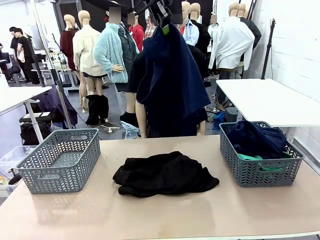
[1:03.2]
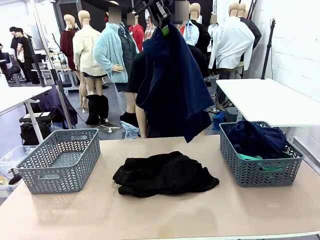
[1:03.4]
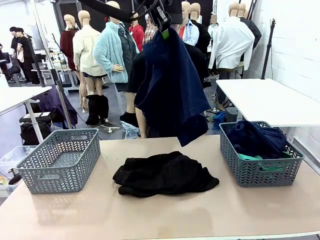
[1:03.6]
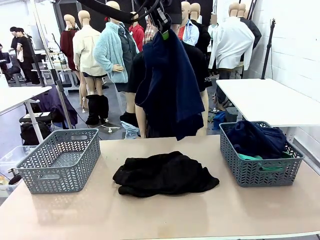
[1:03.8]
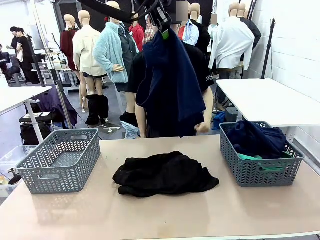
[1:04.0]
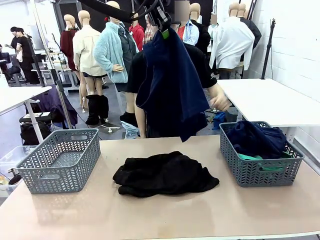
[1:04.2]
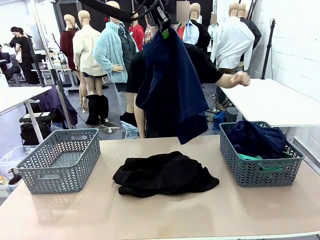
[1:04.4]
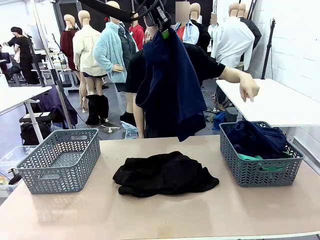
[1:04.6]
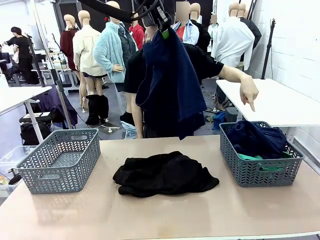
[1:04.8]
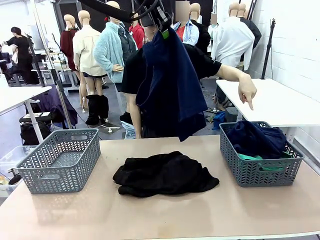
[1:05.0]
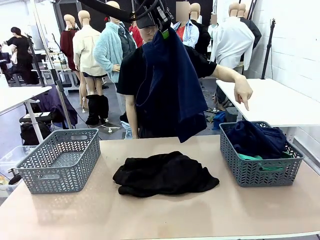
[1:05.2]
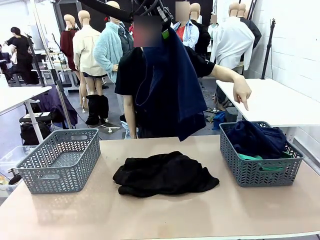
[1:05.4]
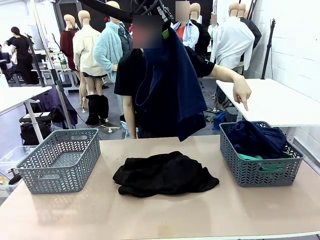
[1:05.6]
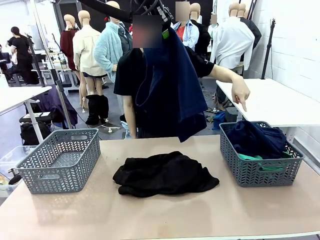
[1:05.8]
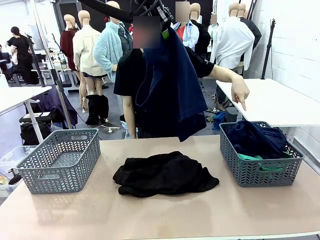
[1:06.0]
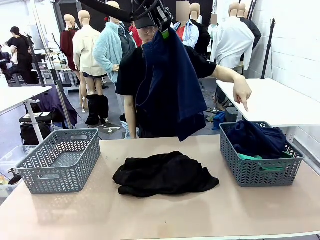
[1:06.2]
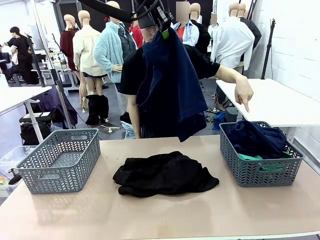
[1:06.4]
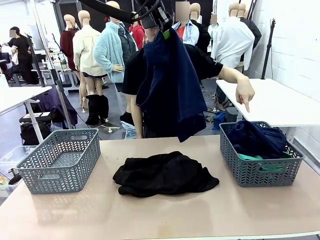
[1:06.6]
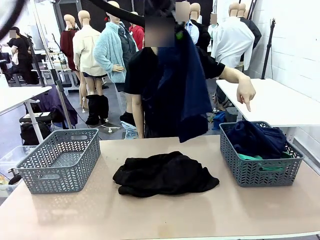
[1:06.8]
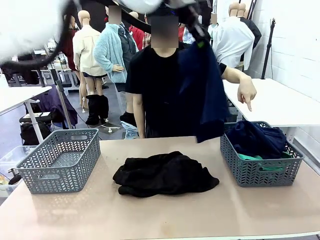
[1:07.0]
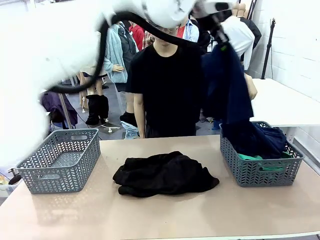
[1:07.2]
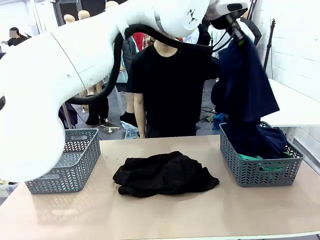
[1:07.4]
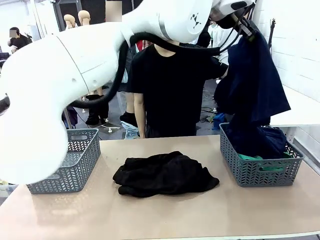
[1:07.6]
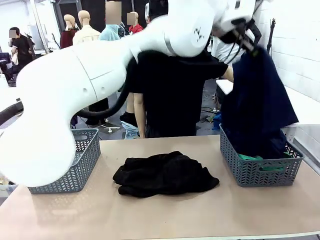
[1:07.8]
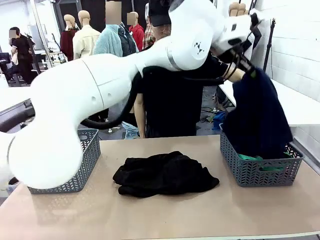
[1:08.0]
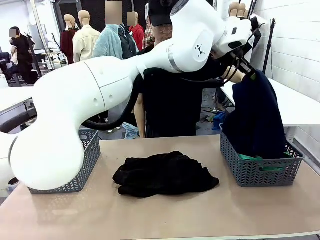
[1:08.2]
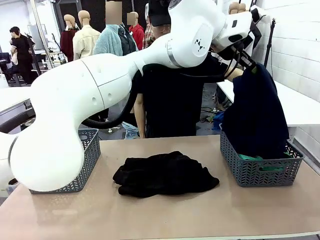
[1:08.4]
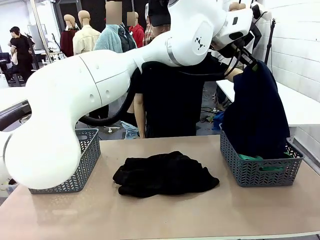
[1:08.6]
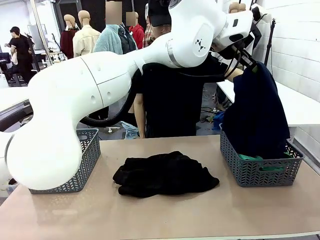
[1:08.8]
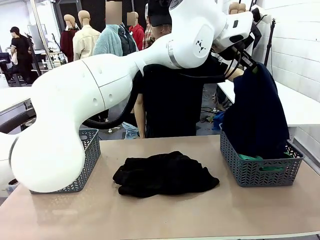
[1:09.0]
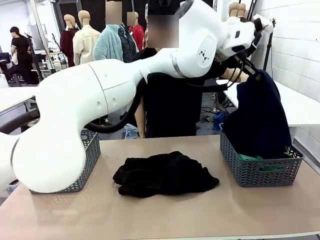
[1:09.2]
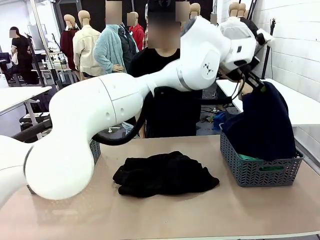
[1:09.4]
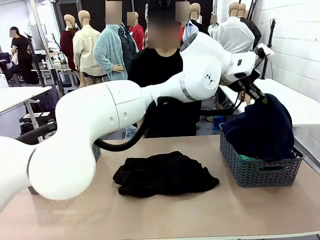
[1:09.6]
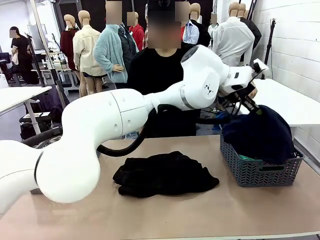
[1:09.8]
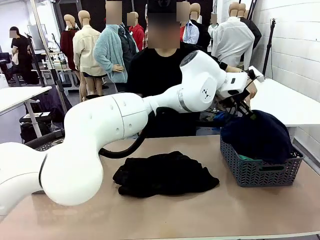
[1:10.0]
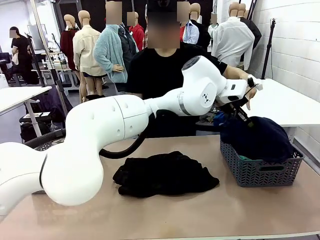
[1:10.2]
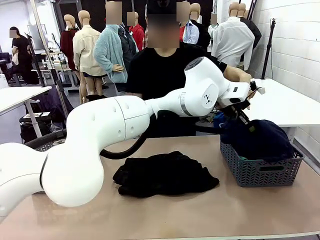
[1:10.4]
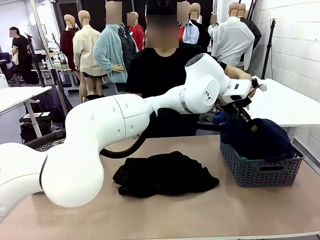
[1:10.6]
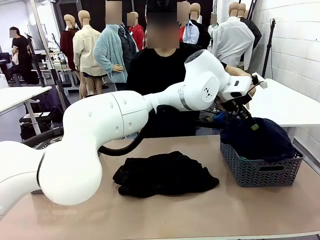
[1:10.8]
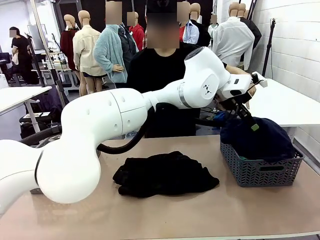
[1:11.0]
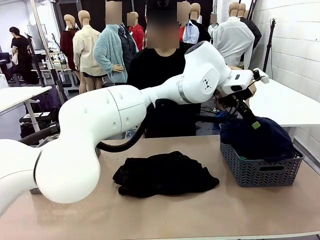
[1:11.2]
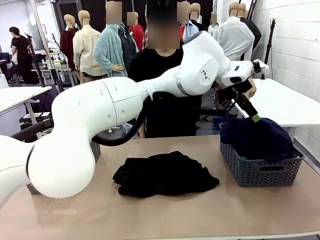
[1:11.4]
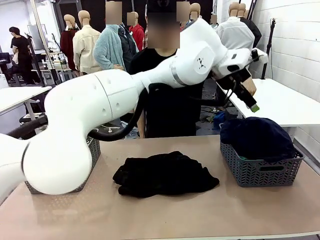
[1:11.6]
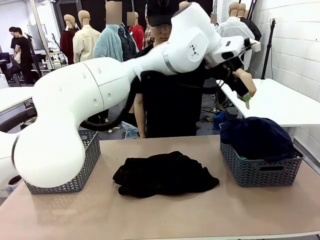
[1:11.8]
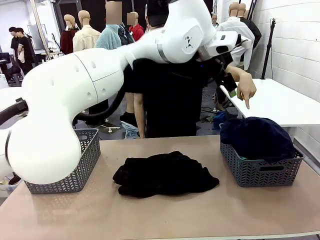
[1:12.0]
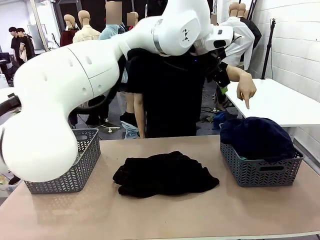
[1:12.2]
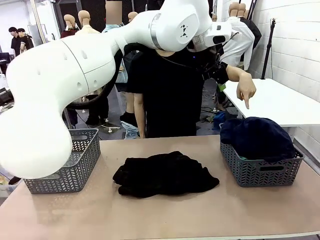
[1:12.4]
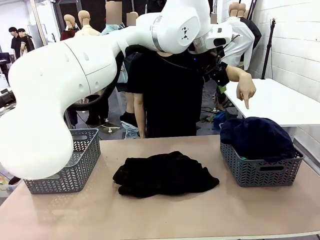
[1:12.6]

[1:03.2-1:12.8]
Task: Sort the tops and bottoms.
Robot: Sort the clothes according to human instructions.

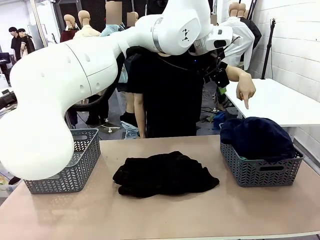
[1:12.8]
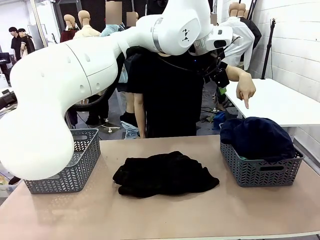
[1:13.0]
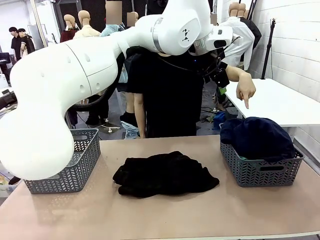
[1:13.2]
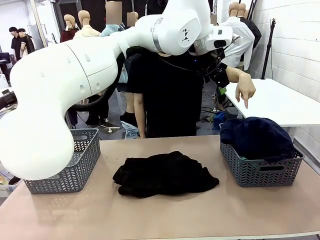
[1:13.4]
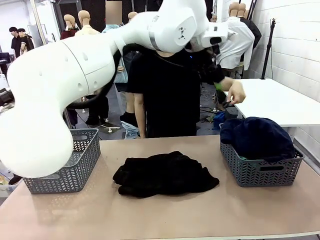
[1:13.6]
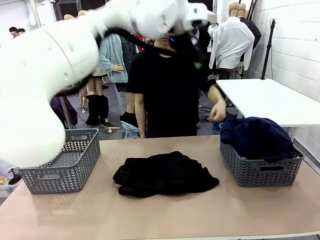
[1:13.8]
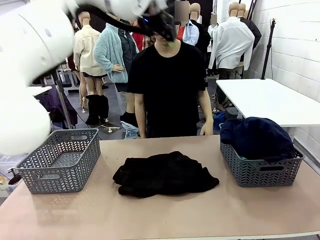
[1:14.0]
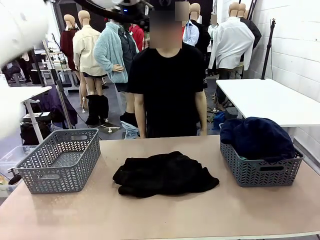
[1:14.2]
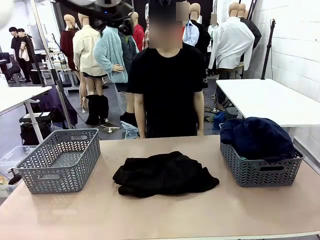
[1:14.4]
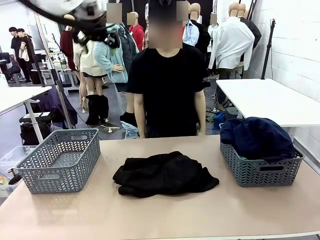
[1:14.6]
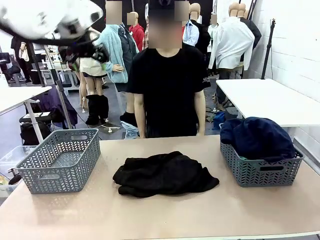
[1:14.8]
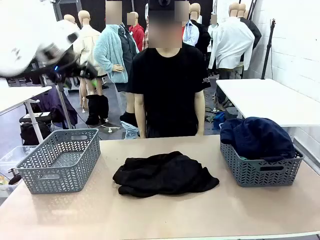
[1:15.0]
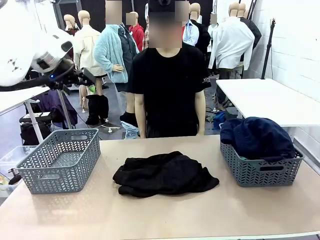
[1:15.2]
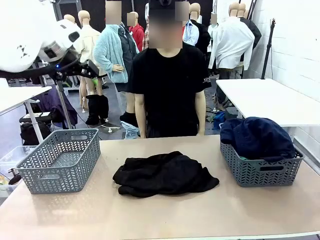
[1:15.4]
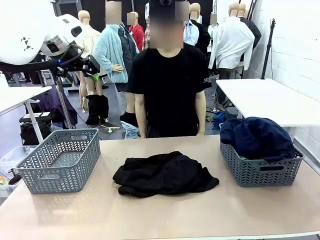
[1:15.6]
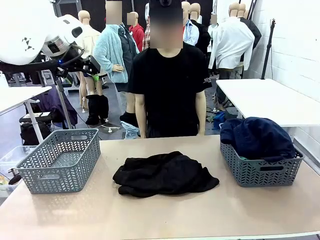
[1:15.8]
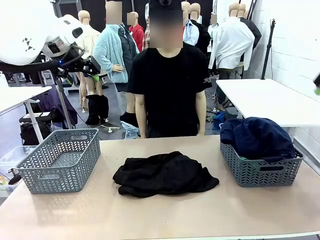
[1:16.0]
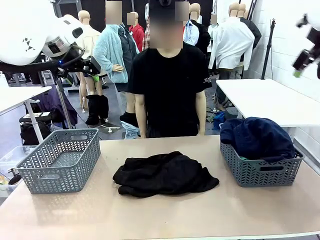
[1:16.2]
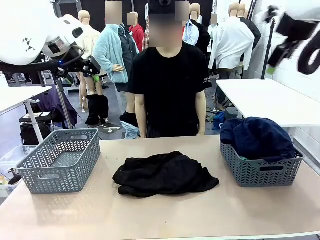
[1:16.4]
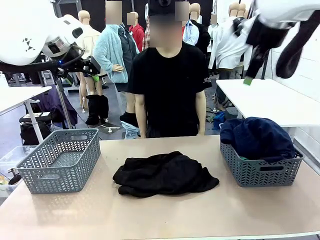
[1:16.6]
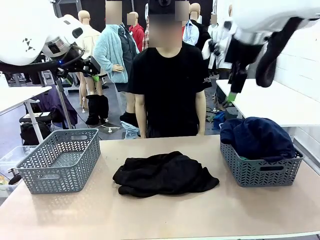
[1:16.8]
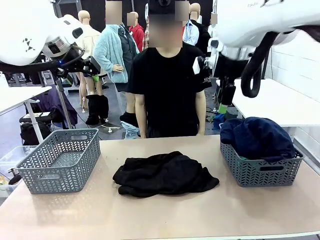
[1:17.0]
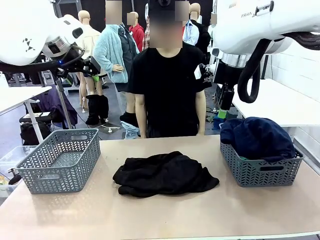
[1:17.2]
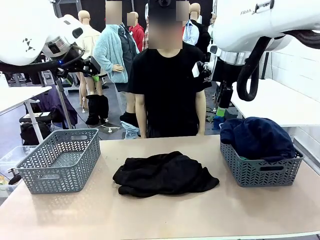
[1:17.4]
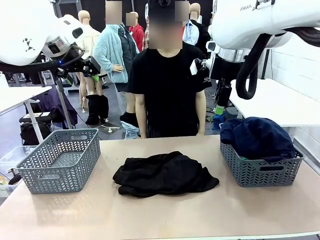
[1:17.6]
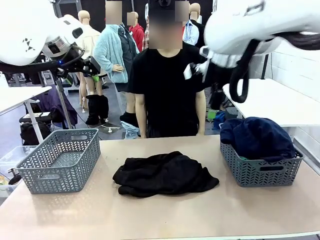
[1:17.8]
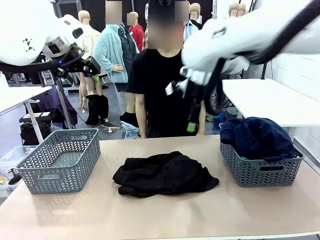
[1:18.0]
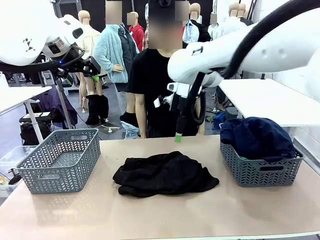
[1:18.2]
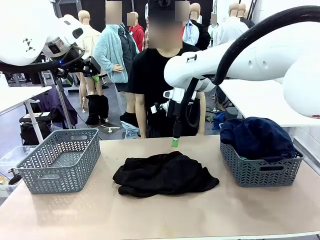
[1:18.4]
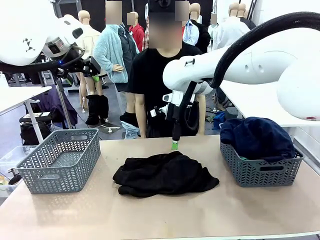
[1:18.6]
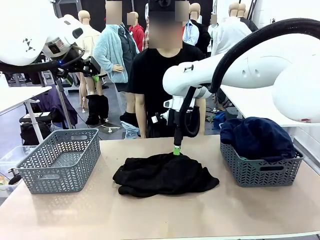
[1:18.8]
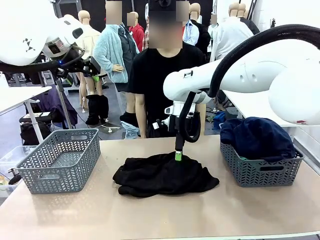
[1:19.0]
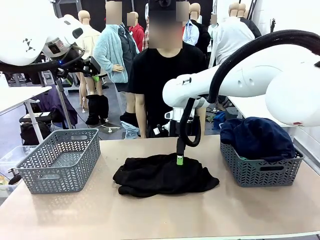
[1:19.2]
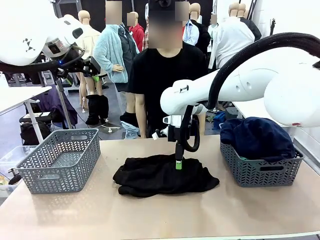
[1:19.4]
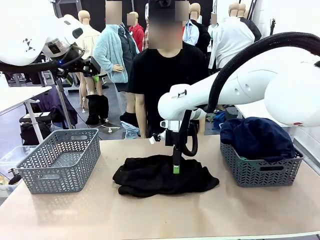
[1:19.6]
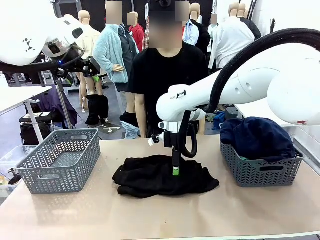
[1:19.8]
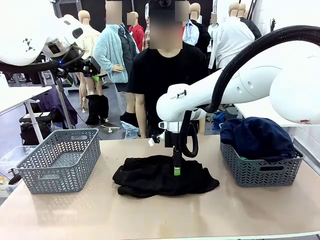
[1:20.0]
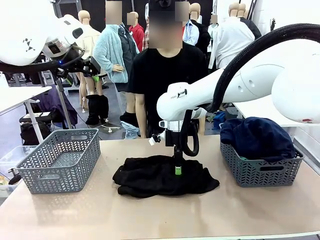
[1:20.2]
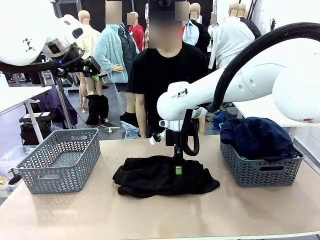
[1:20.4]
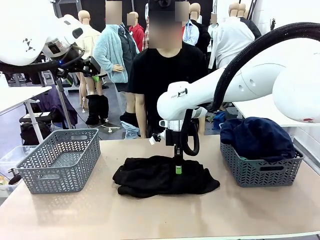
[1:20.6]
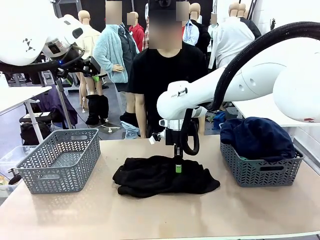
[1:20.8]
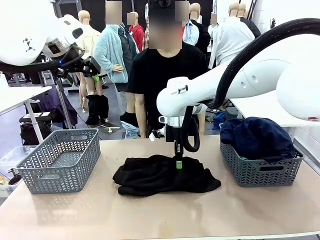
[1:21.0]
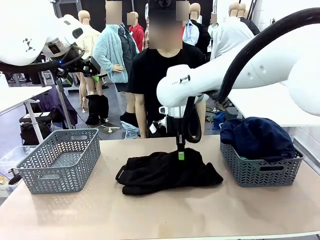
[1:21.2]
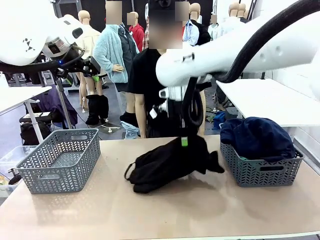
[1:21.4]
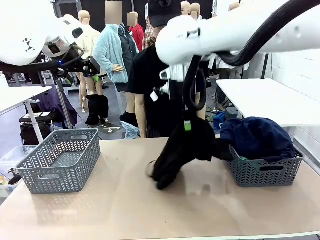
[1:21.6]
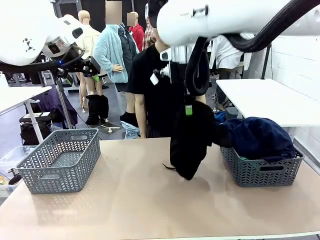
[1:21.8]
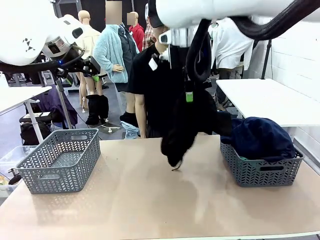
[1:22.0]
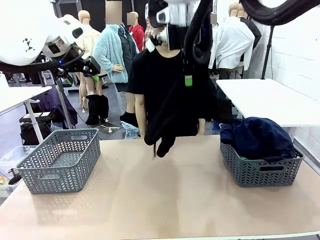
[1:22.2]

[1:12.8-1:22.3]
Robot: Lift clothes from the center of the table with your right hand.
